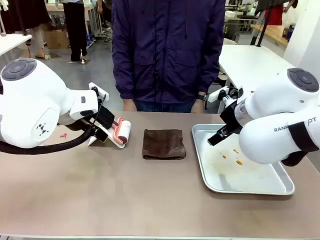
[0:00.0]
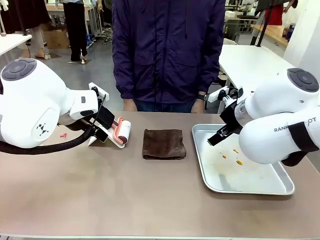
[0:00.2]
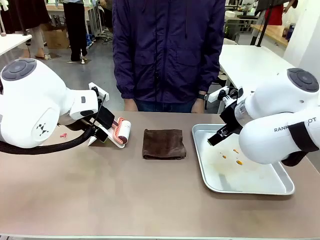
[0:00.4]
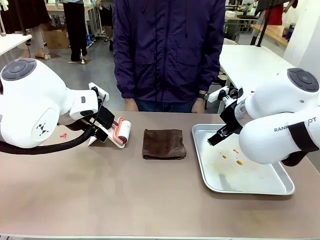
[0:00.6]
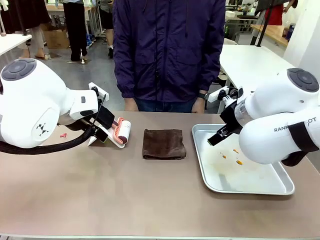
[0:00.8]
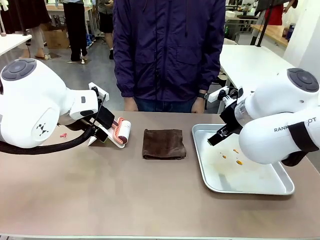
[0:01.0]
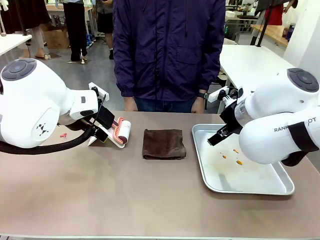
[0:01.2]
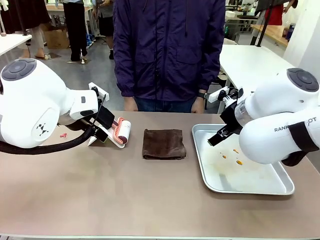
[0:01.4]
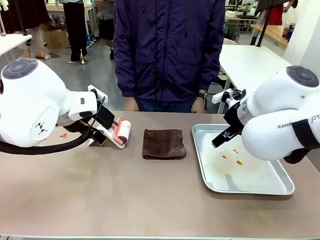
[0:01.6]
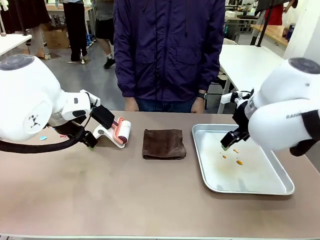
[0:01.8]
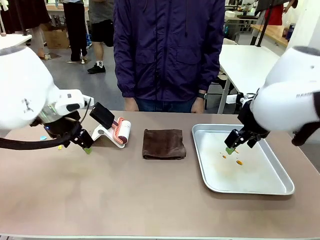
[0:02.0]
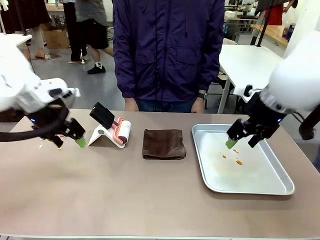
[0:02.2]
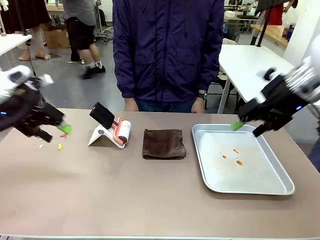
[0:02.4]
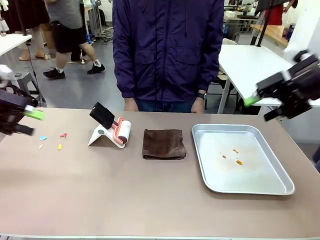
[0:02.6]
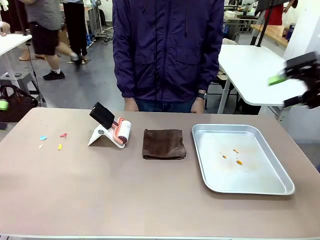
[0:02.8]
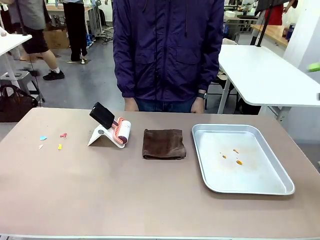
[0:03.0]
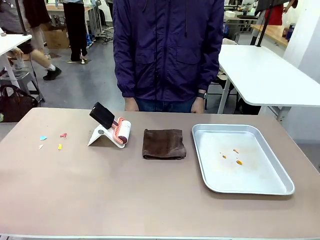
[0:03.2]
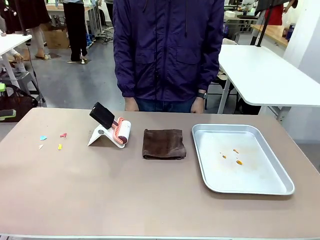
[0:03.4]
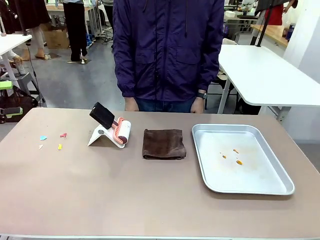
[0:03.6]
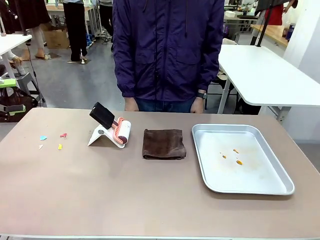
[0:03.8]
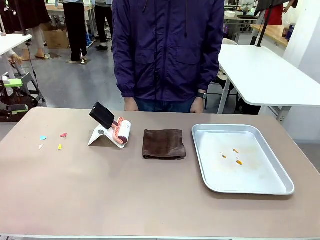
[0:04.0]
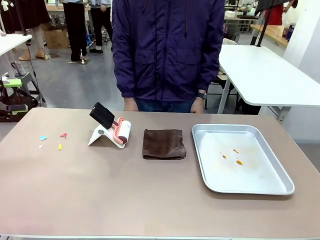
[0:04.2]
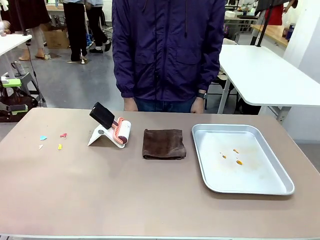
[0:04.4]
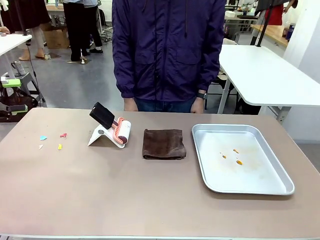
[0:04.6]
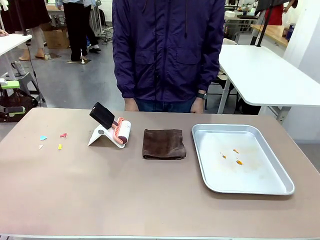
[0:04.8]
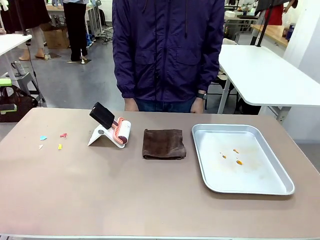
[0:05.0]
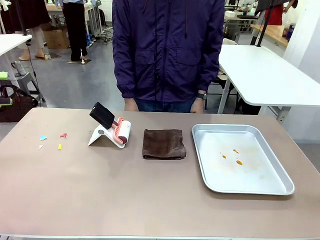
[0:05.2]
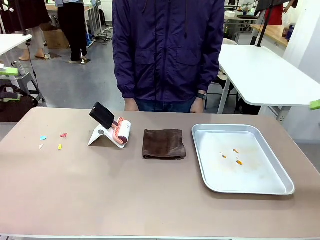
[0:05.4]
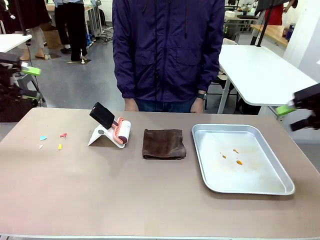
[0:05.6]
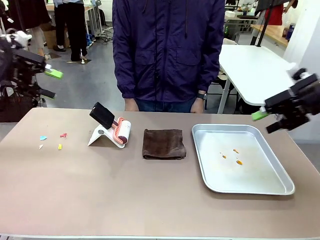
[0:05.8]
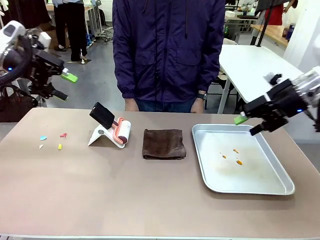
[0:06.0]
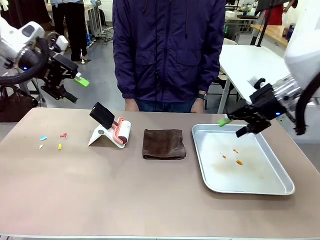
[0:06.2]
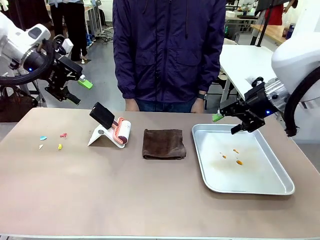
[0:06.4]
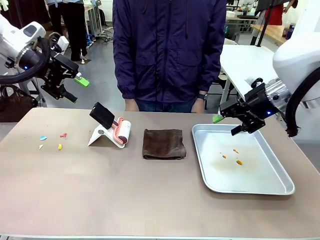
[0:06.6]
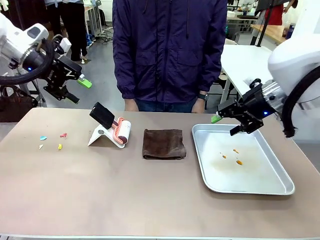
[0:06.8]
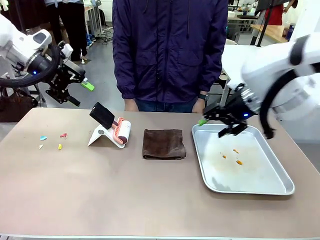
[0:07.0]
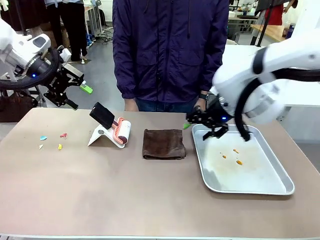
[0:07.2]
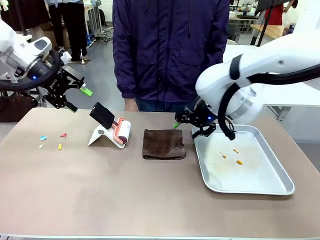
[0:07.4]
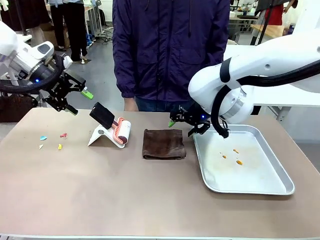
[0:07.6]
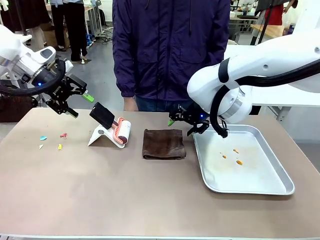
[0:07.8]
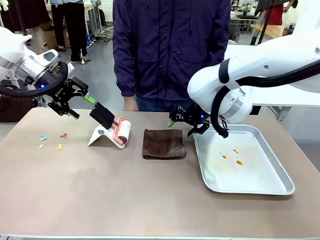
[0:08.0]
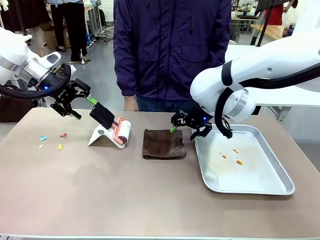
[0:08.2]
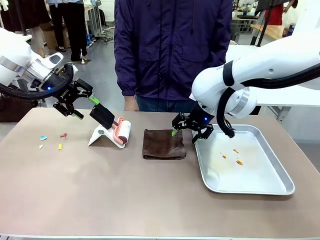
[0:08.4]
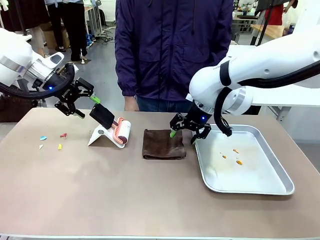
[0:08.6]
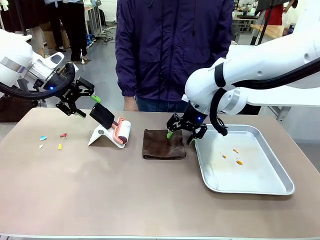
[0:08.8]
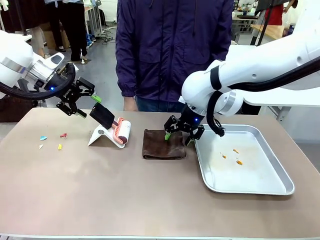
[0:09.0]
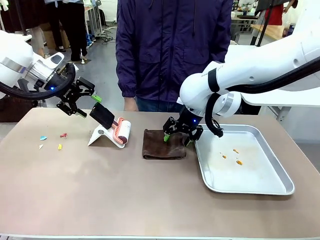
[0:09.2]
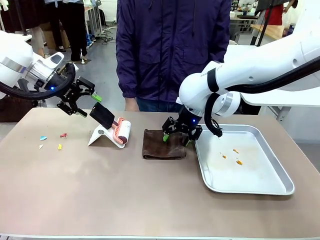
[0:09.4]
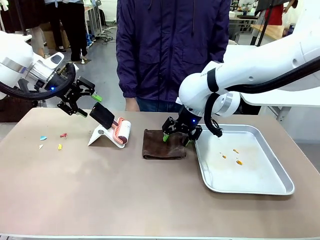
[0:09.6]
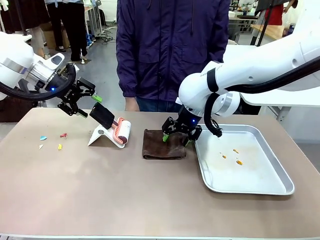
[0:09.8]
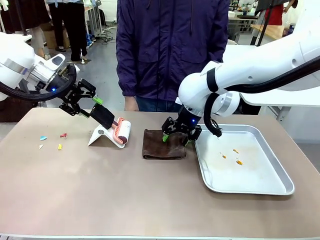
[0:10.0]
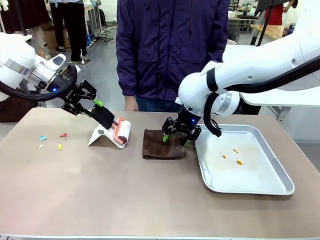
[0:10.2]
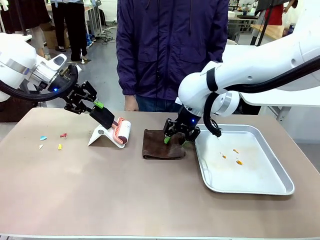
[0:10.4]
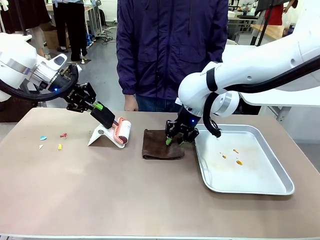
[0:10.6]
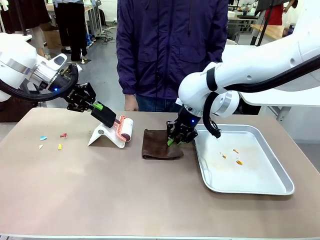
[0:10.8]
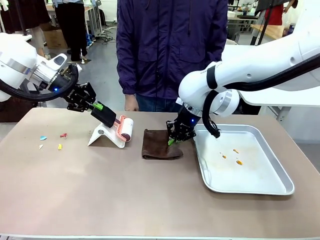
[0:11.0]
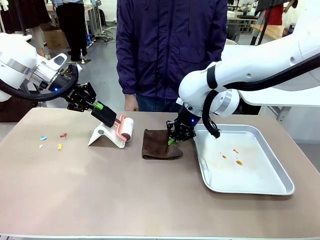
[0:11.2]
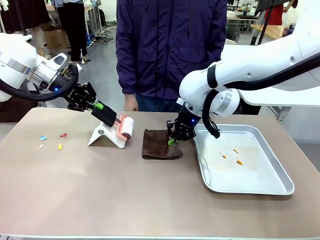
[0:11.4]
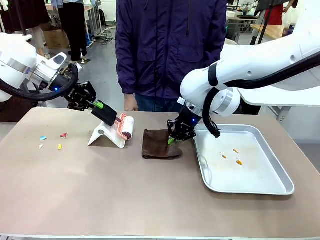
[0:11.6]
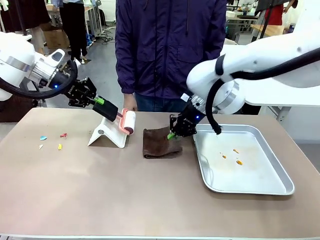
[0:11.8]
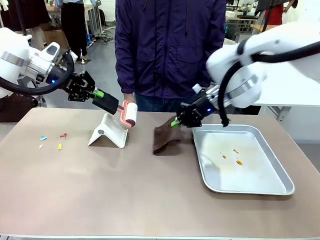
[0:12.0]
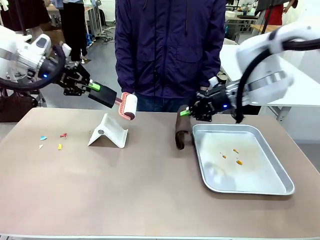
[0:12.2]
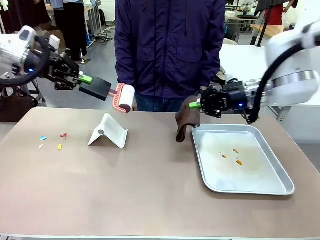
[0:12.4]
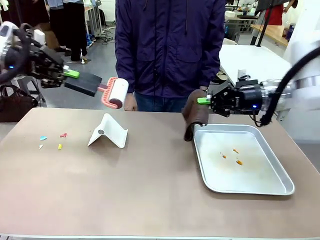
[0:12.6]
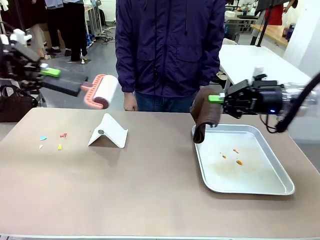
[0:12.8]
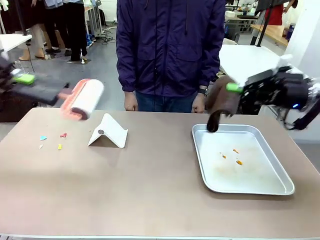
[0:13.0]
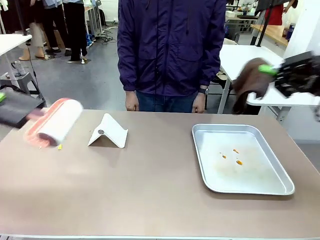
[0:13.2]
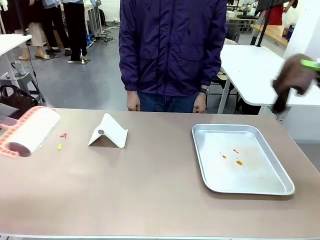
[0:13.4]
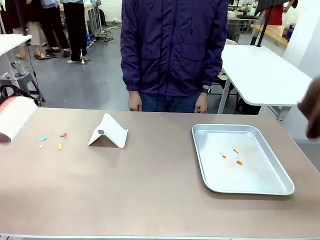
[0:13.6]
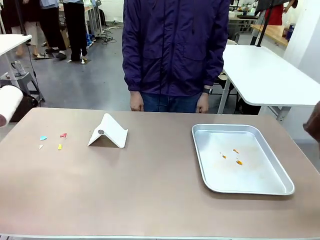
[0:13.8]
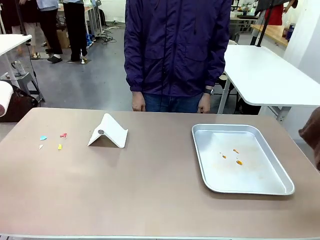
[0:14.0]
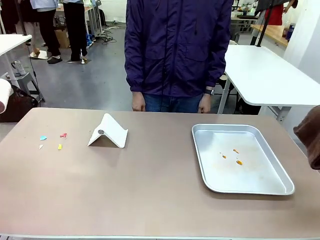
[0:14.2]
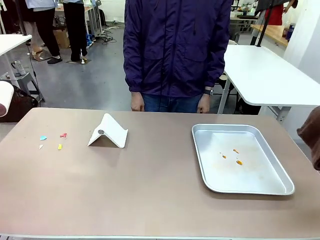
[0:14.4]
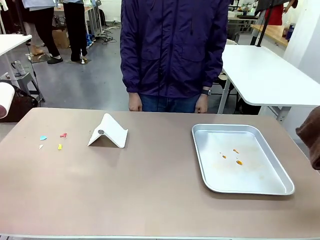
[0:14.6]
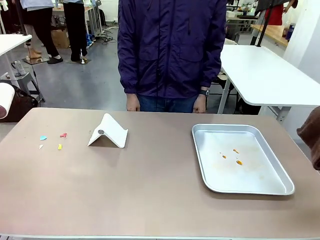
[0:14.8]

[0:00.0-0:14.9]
Task: Clean the surface of the table.
Robot: Hold the Lint Roller with your left hand and the towel with your right hand.

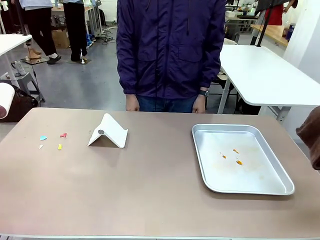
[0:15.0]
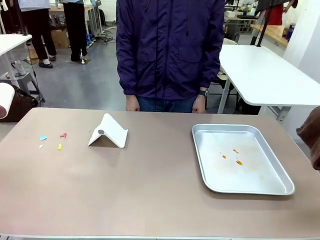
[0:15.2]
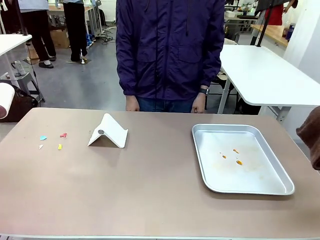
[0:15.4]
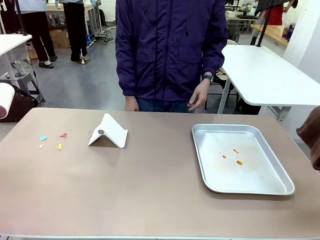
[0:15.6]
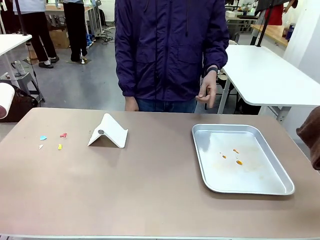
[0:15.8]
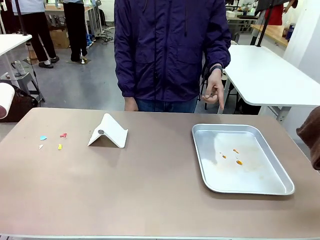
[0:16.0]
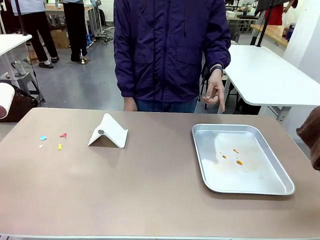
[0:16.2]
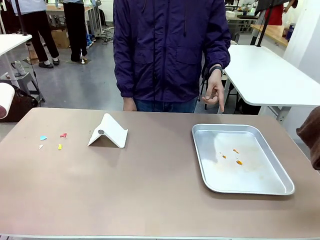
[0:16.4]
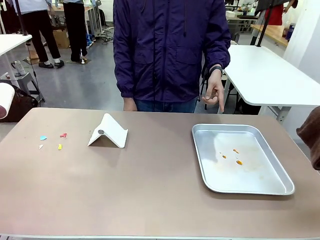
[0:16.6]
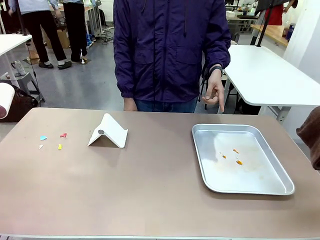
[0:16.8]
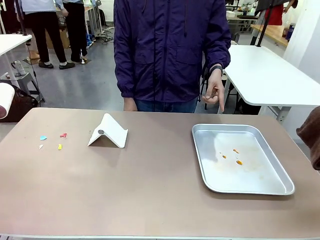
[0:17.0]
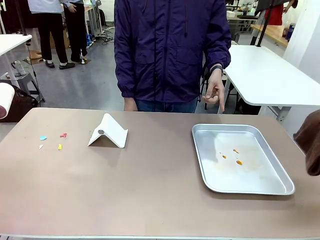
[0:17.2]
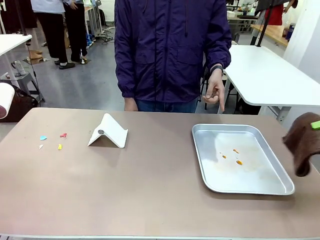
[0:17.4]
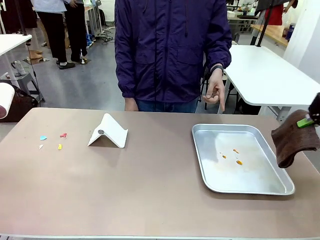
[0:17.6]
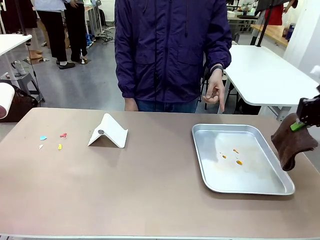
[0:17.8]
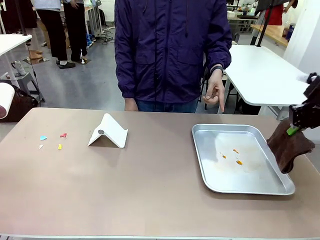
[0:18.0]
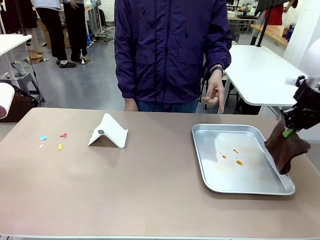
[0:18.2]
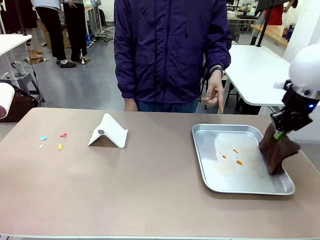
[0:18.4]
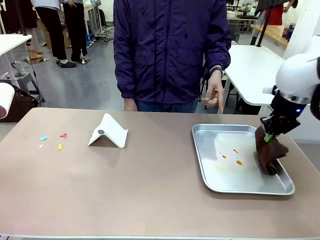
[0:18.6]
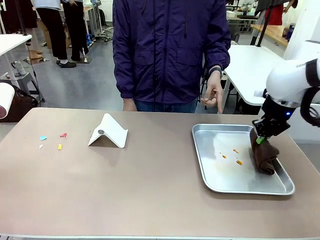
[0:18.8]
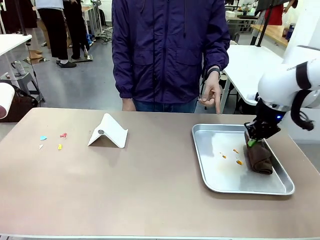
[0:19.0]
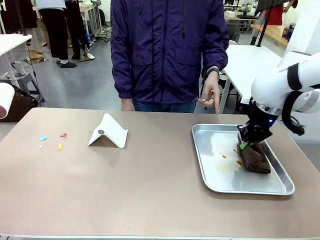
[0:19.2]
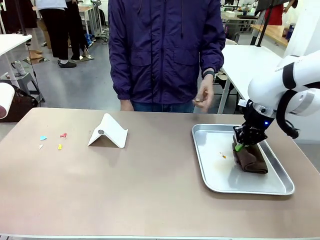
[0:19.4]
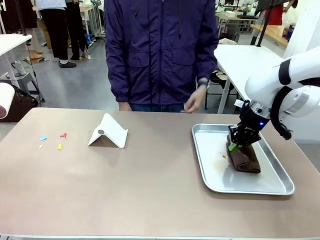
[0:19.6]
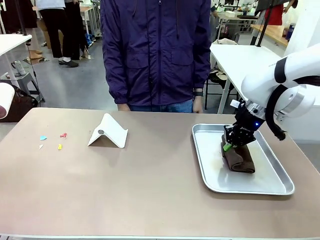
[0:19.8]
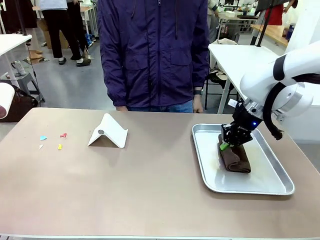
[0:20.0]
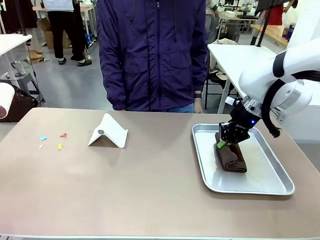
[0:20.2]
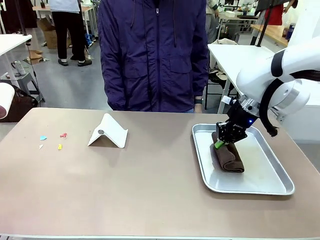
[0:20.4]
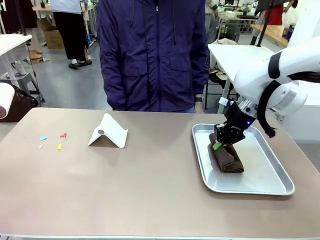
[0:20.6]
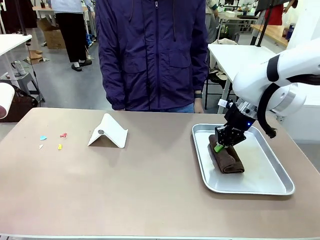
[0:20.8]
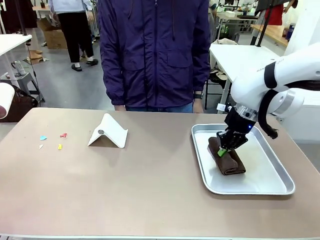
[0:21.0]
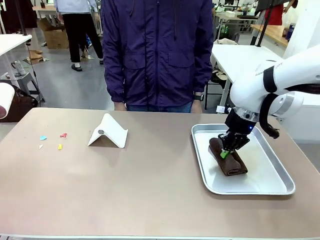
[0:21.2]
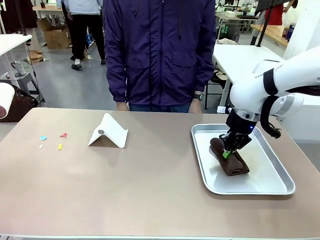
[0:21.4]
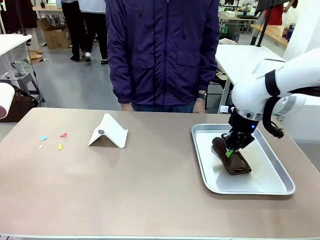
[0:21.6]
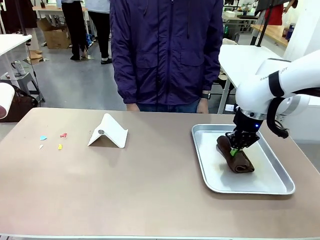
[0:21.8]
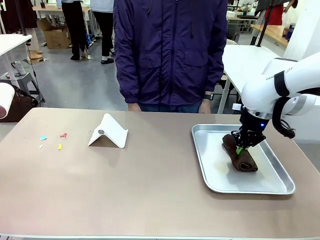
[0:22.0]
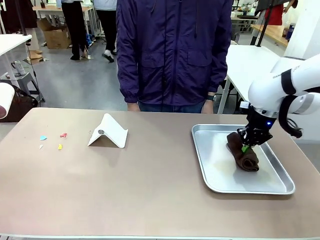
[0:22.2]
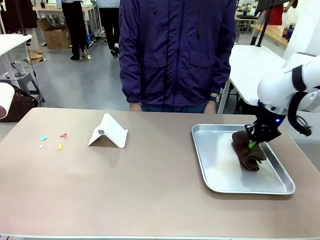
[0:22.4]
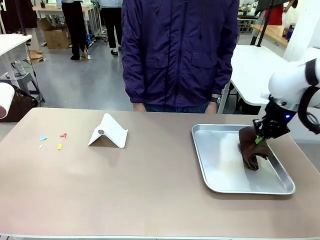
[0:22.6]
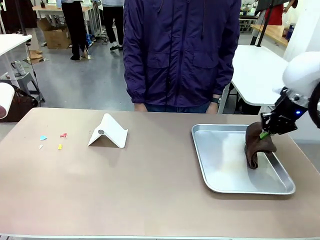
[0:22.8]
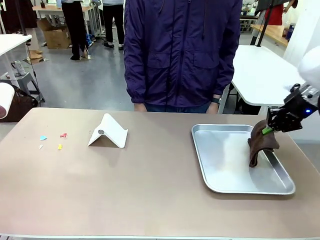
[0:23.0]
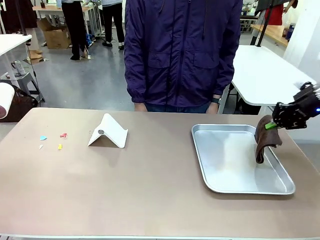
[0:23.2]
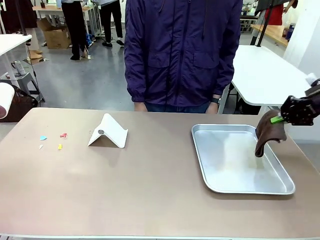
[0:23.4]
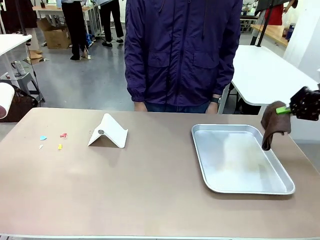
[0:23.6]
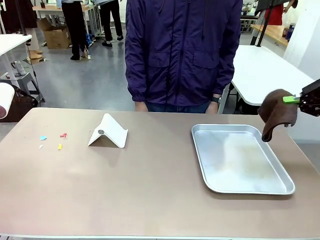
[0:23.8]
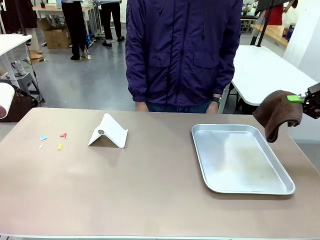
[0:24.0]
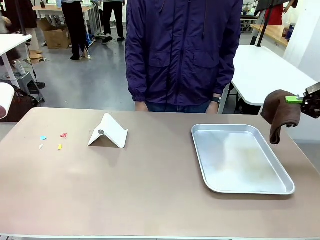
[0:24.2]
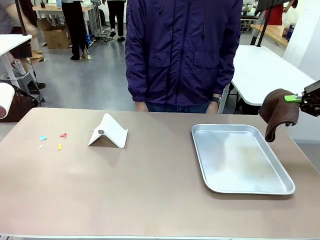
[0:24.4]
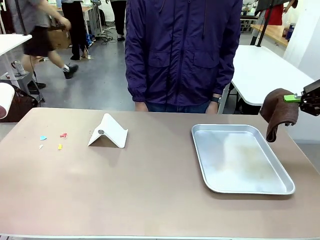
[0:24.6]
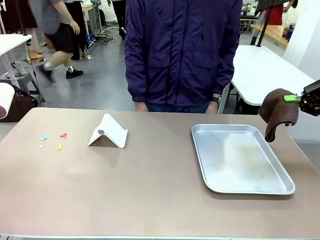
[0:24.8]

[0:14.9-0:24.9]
Robot: If a person points to the right, clean the right side of the table with your right hand, and if they point to the left, clean the left side with your left hand.
